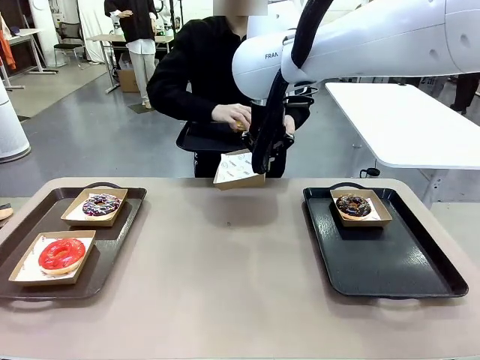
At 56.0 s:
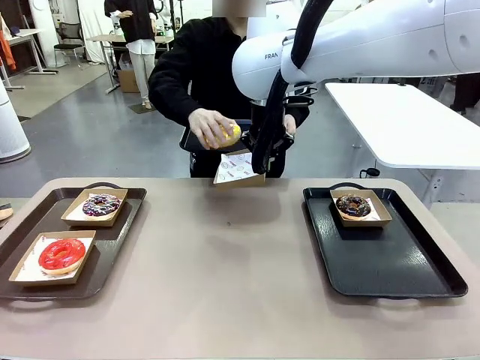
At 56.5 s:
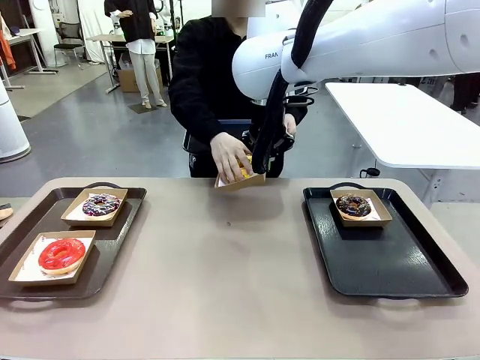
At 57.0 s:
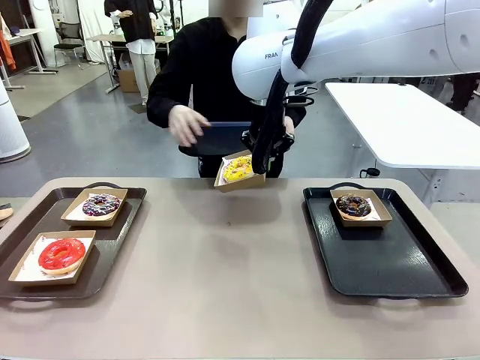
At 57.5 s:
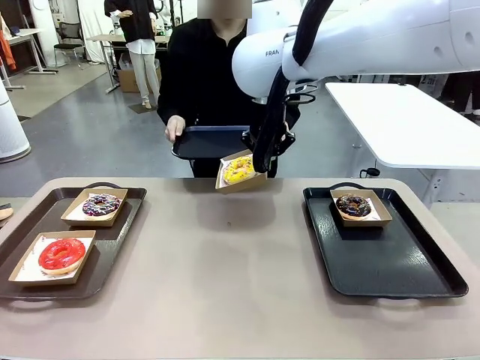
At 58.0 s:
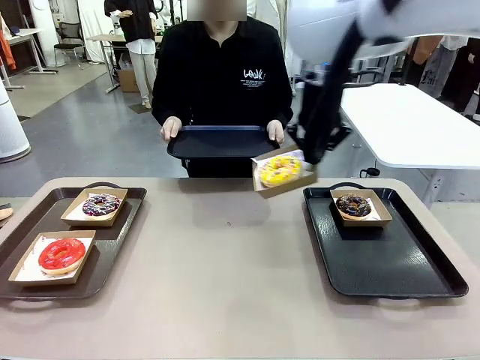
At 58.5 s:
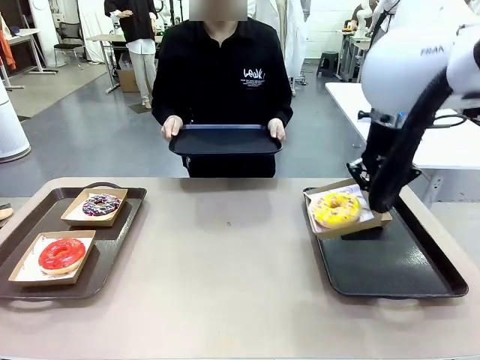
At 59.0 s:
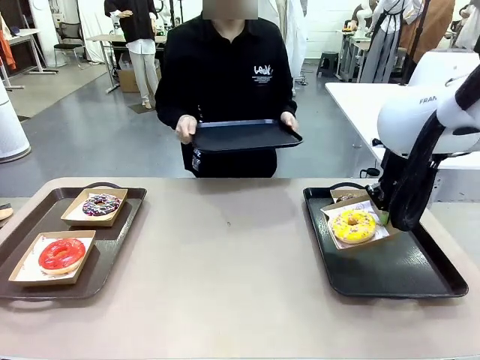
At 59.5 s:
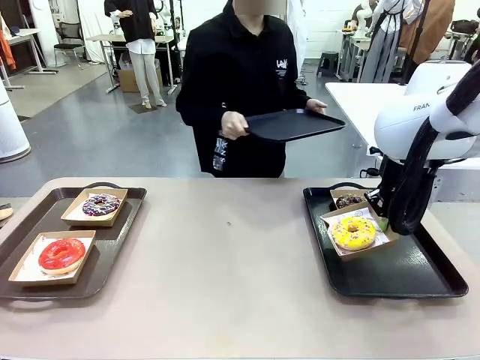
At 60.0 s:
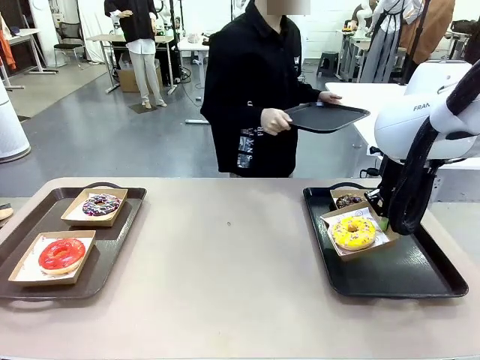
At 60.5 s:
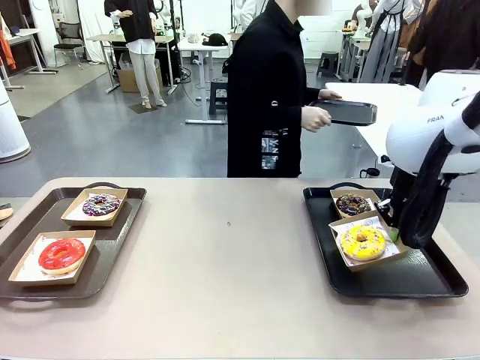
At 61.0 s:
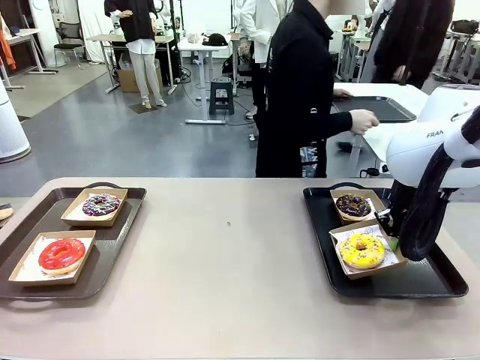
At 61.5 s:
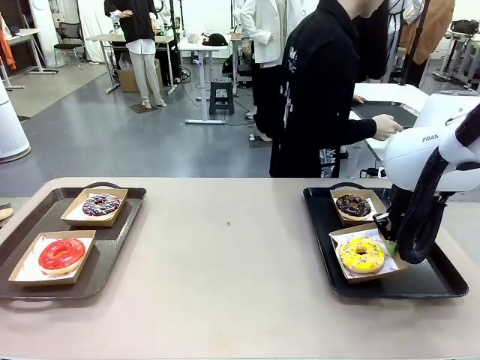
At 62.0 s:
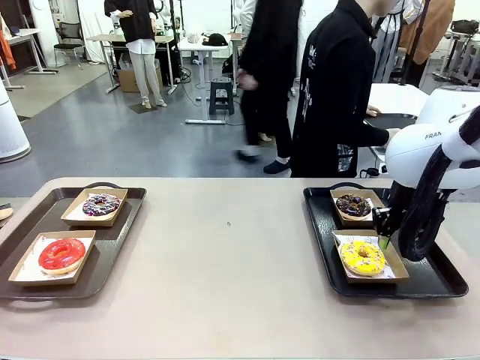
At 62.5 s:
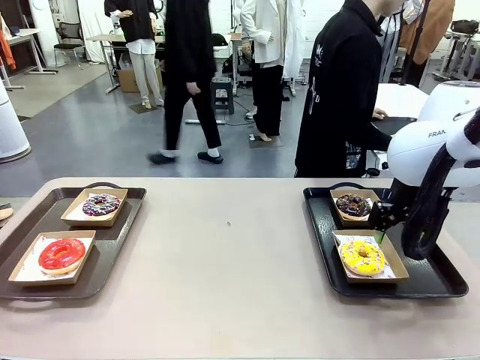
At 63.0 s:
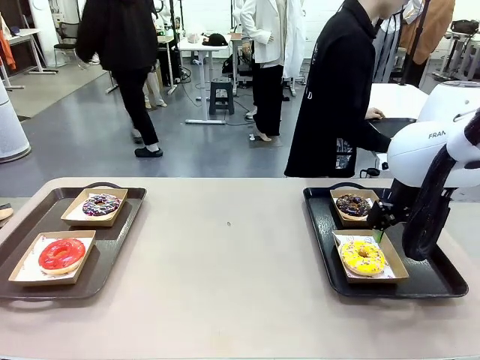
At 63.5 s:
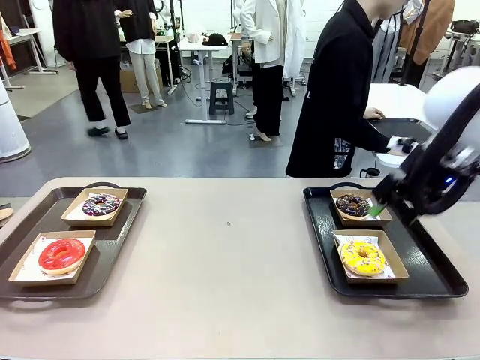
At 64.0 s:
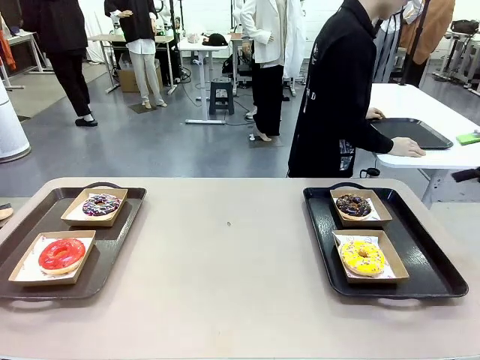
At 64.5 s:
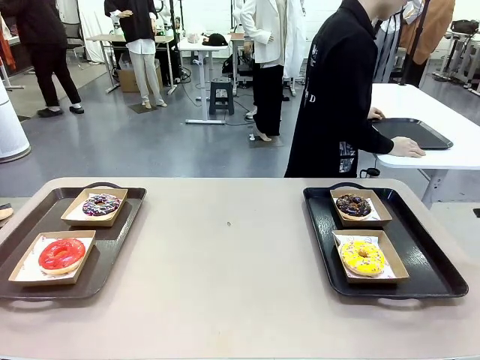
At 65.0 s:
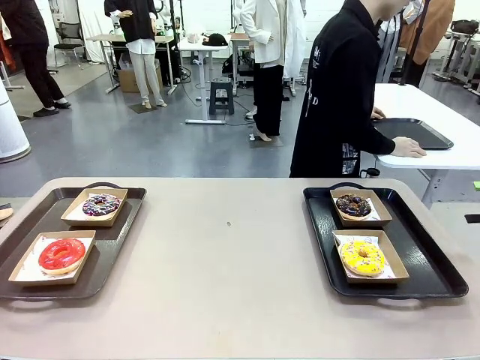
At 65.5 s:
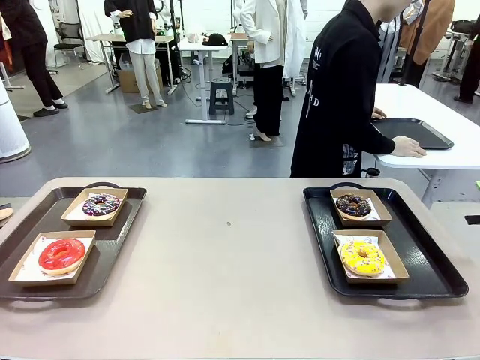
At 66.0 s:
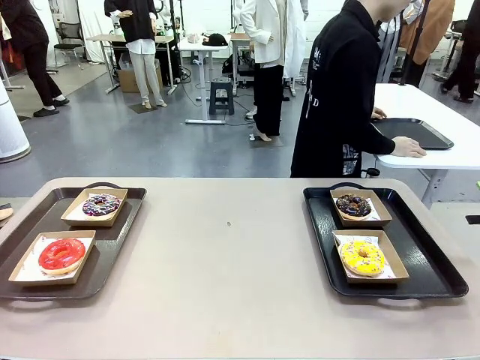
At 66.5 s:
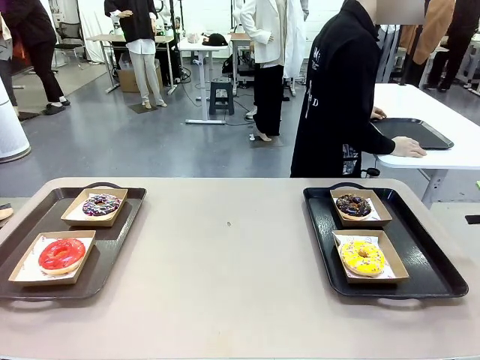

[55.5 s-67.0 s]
Task: Individually package the donuts and arrange them on the tray.
Robot: Place the picked Paper togo box on the Handle tray.
Person: Place the tray down in the middle of the human table.

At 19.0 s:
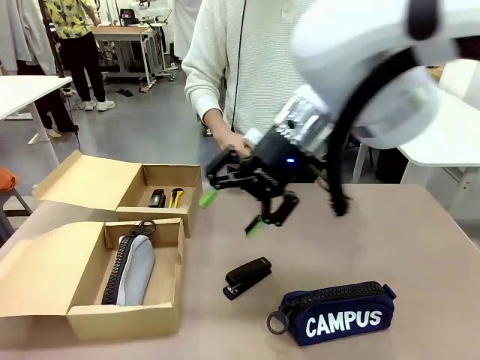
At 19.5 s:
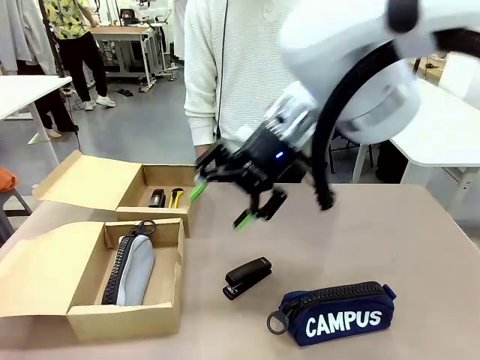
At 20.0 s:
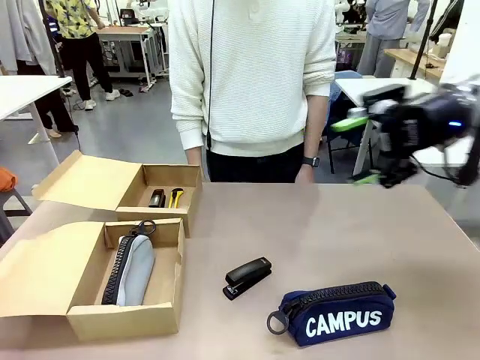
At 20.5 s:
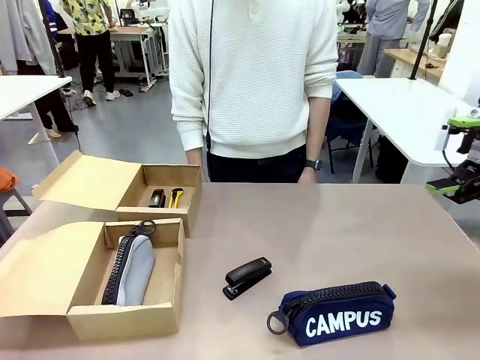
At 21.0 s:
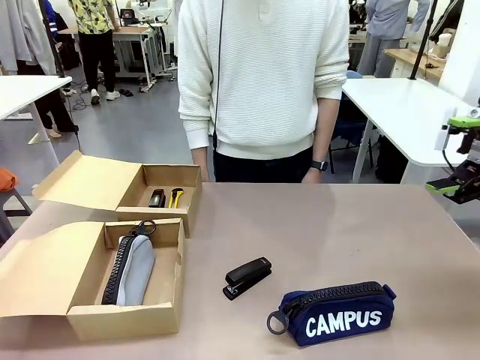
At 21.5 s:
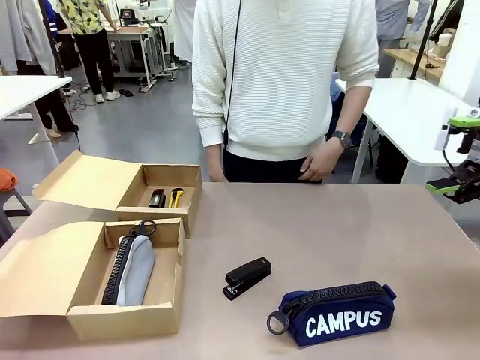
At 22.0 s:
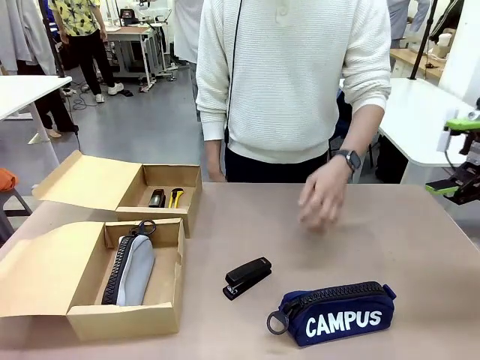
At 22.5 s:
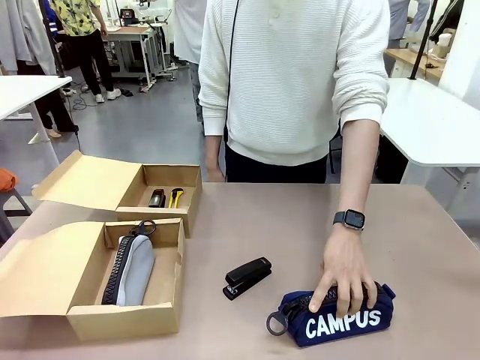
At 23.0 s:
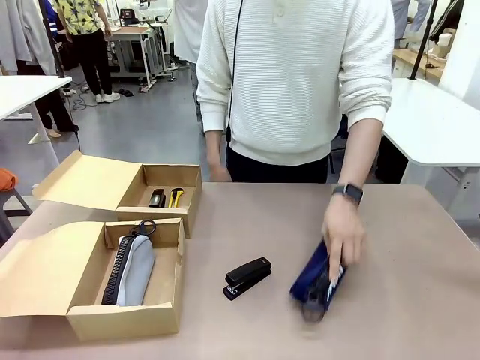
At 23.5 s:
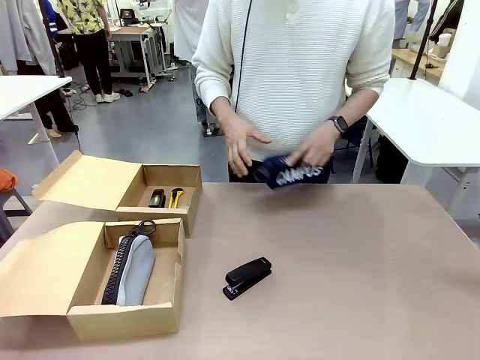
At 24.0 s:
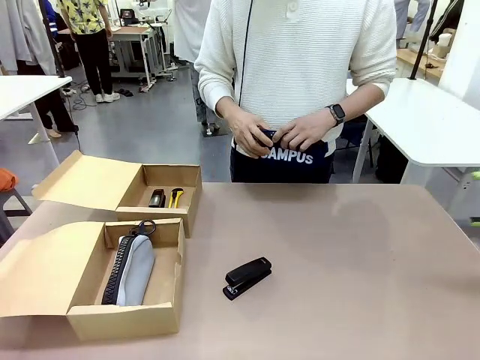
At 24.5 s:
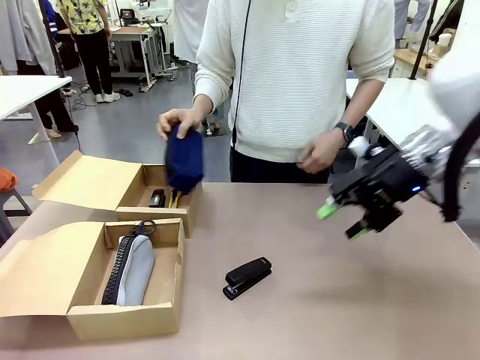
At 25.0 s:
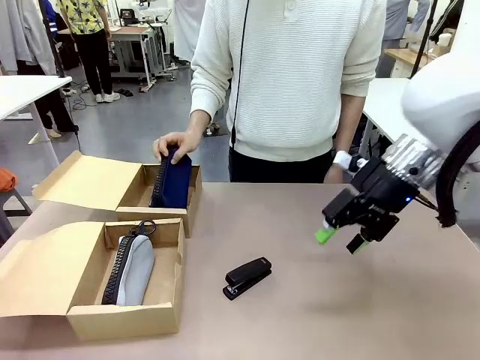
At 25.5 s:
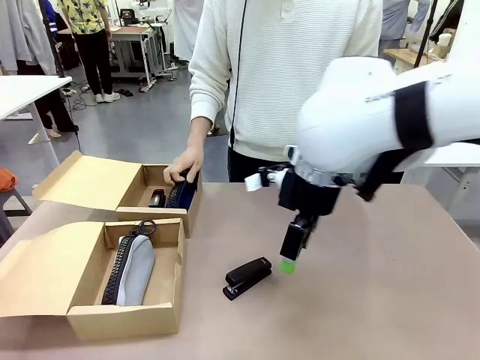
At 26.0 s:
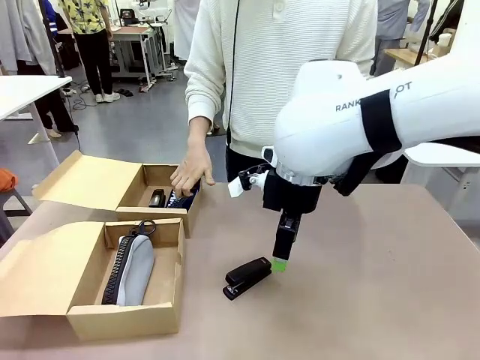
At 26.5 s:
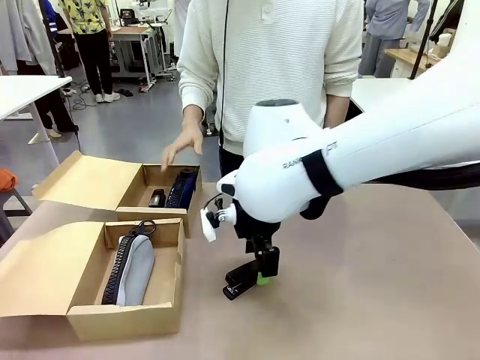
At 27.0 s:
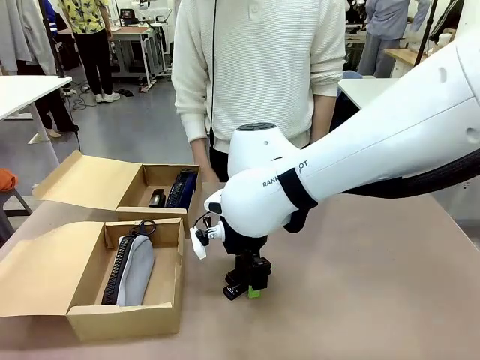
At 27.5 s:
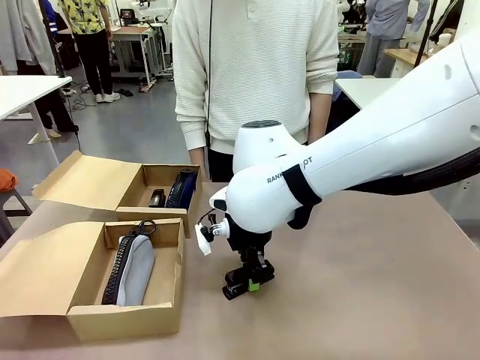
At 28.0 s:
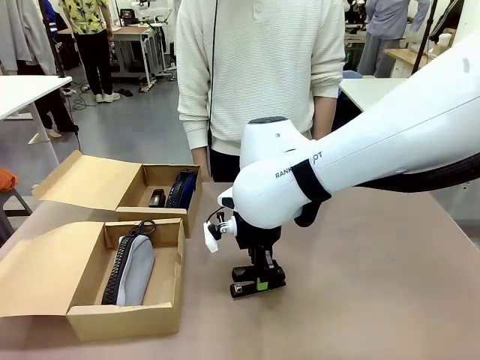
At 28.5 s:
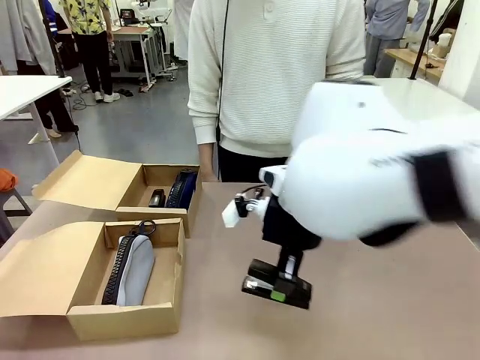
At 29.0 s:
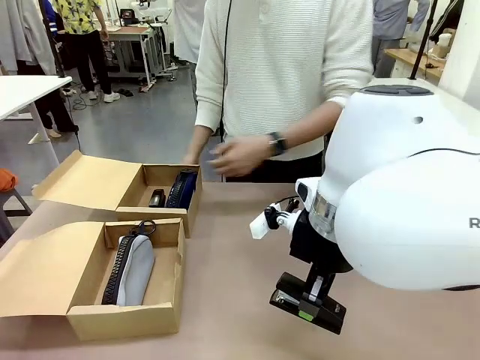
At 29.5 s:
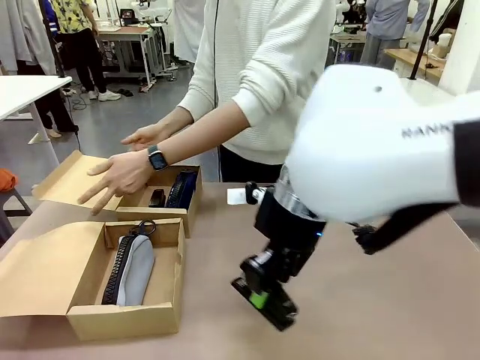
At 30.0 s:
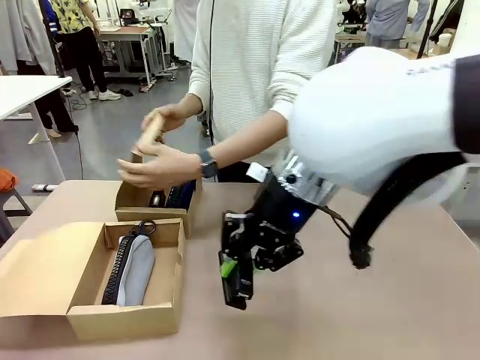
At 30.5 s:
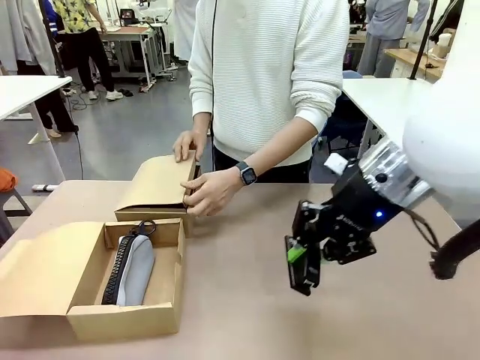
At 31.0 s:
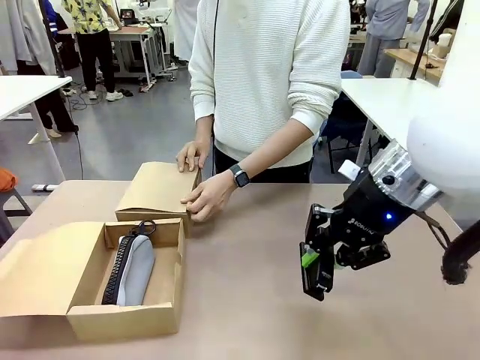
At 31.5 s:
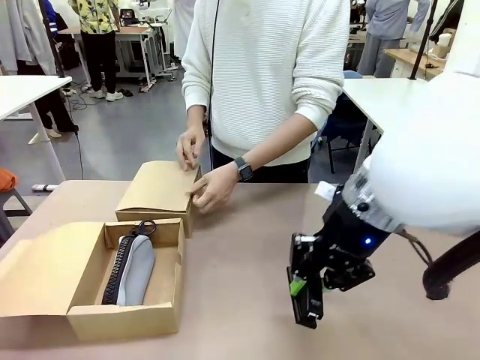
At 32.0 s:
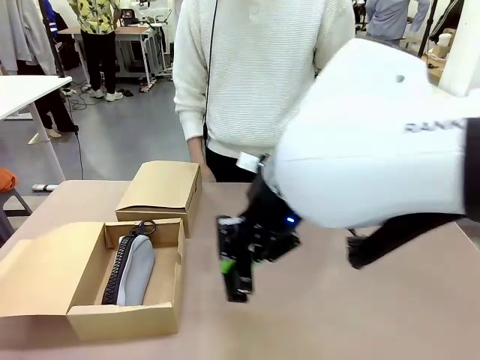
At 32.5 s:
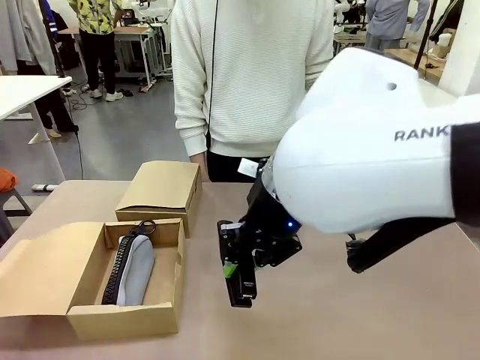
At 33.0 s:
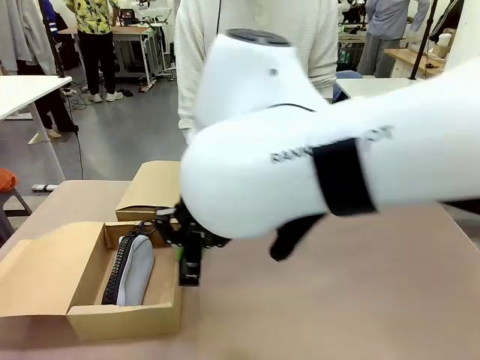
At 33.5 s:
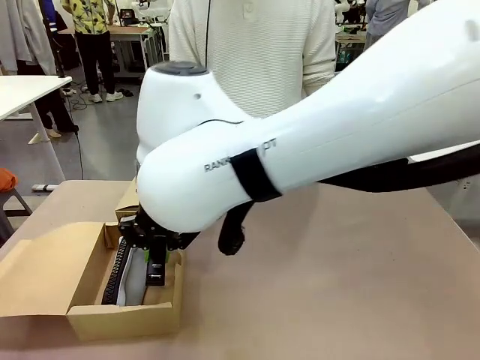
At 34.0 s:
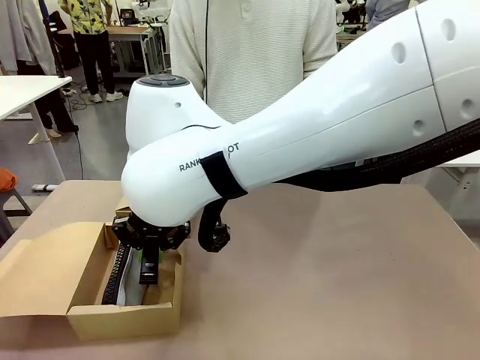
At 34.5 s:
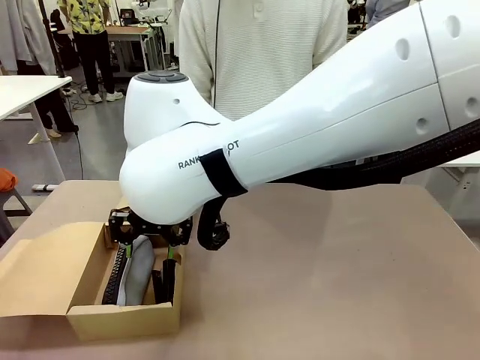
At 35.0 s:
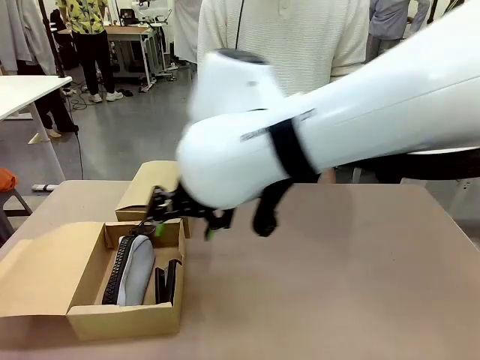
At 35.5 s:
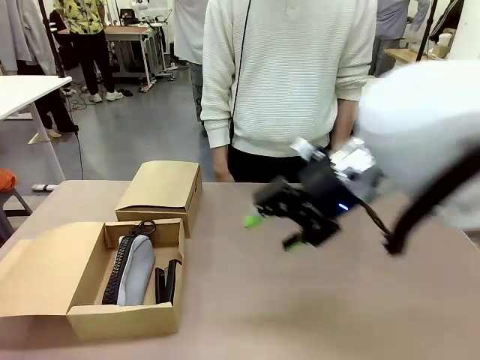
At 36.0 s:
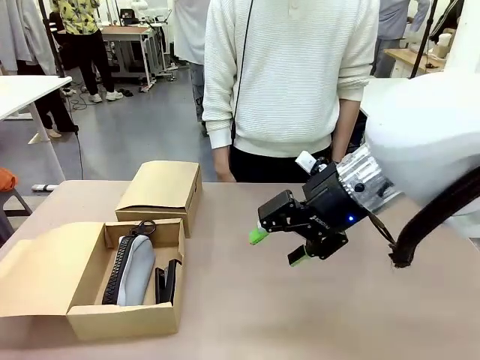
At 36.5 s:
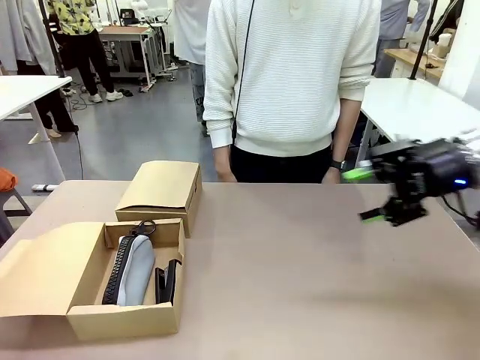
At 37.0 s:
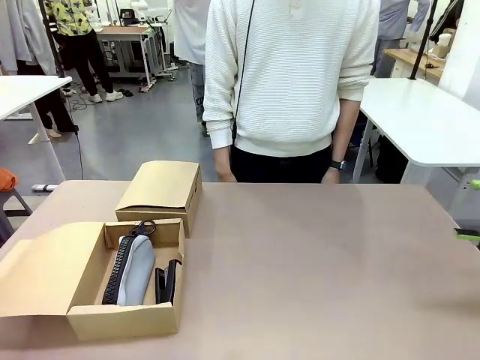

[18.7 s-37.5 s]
Task: Place items inside the box.
Robot: Pick up a Pencil pouch or Stapler and place it inside the Mailer Box closest to the robot.
